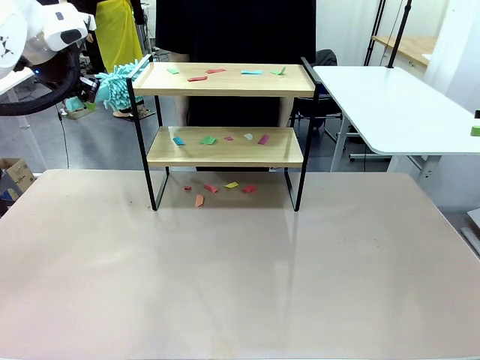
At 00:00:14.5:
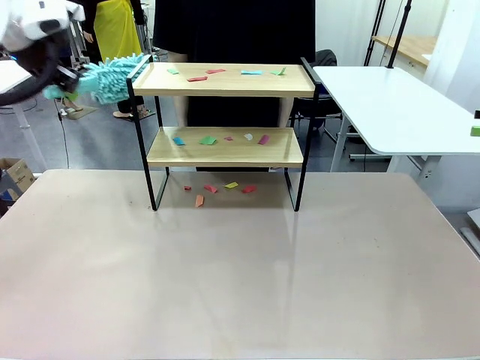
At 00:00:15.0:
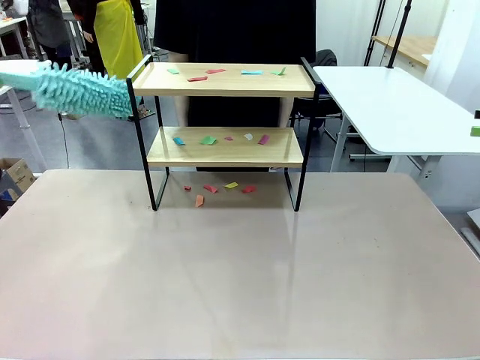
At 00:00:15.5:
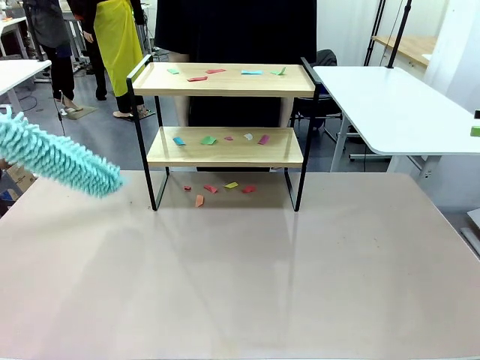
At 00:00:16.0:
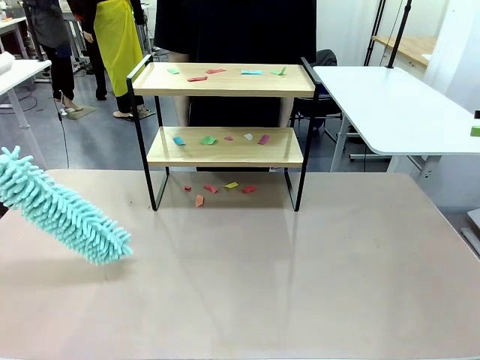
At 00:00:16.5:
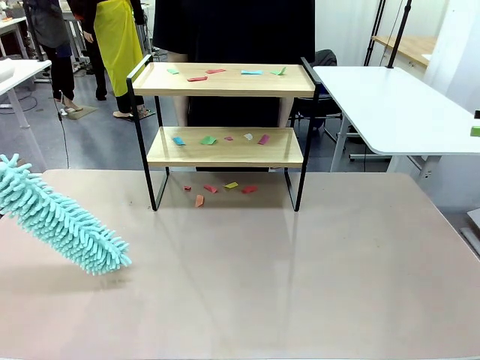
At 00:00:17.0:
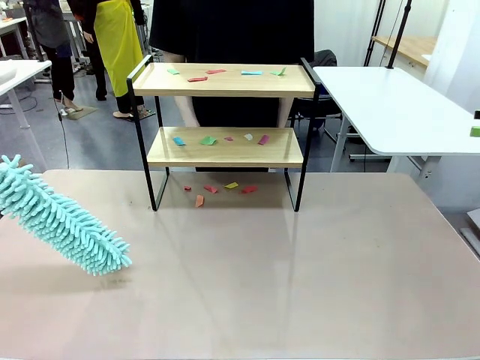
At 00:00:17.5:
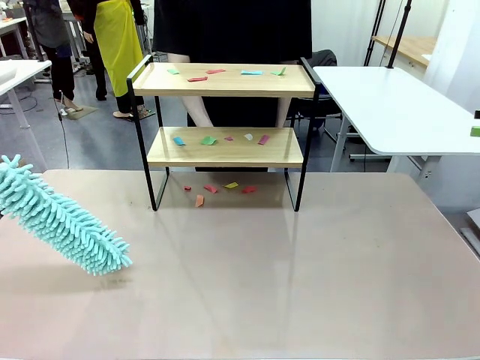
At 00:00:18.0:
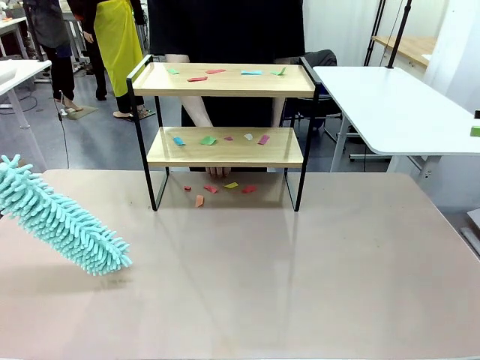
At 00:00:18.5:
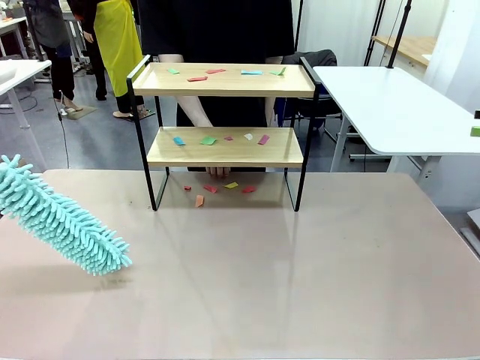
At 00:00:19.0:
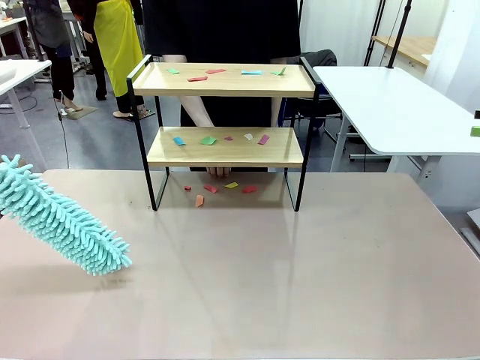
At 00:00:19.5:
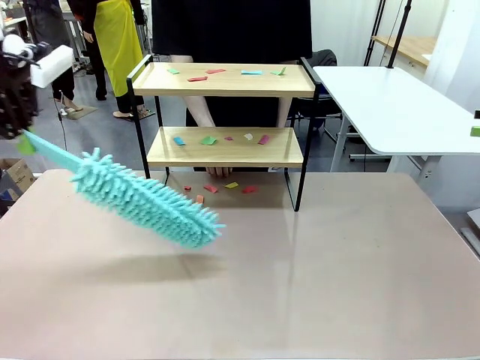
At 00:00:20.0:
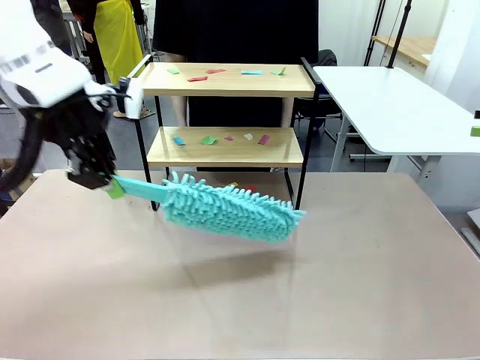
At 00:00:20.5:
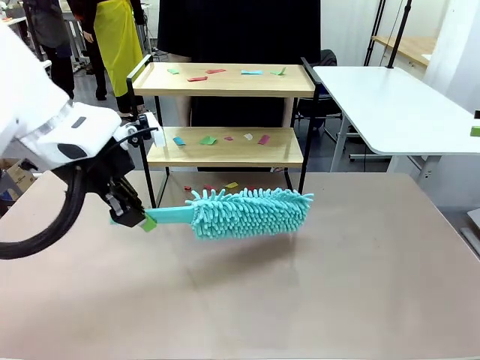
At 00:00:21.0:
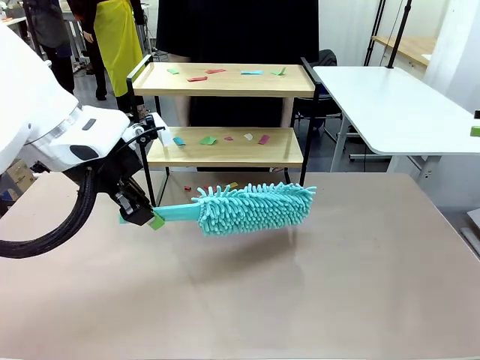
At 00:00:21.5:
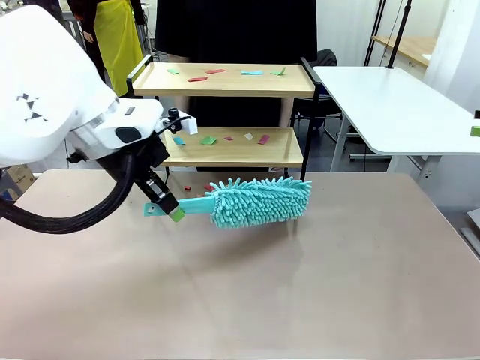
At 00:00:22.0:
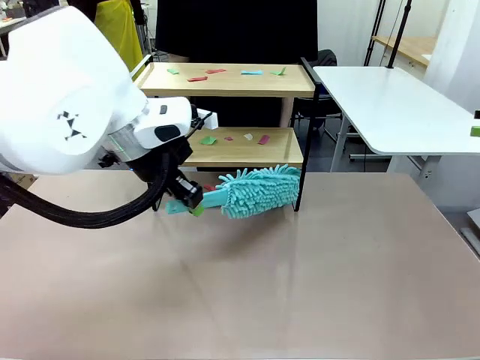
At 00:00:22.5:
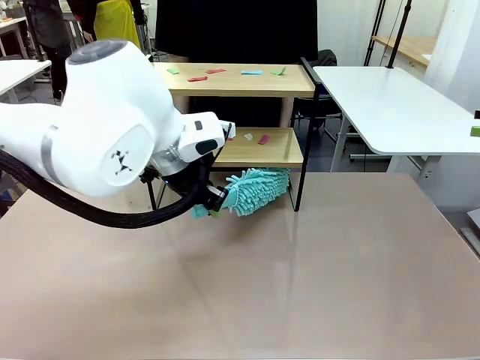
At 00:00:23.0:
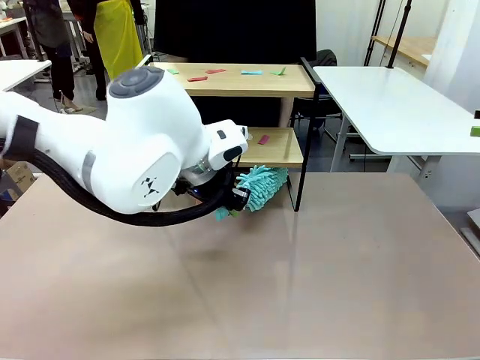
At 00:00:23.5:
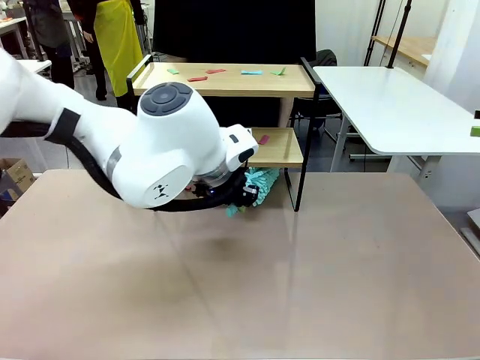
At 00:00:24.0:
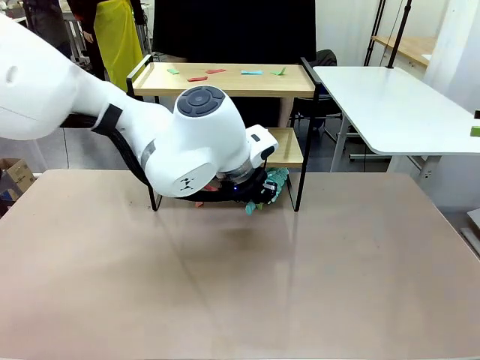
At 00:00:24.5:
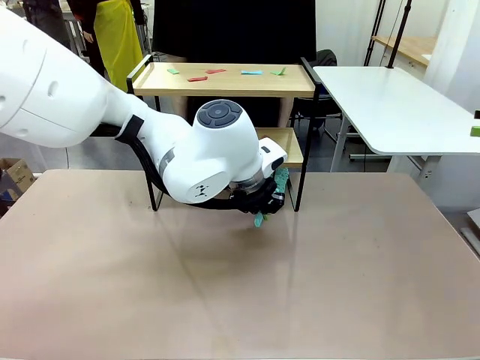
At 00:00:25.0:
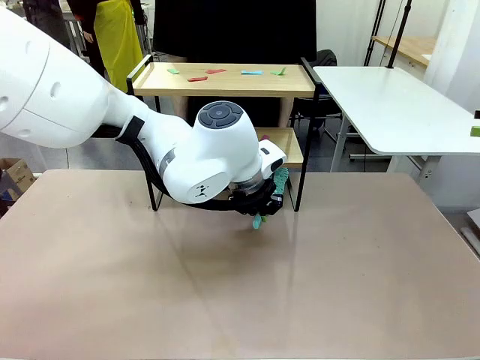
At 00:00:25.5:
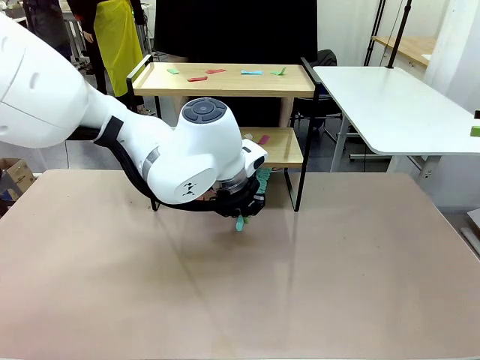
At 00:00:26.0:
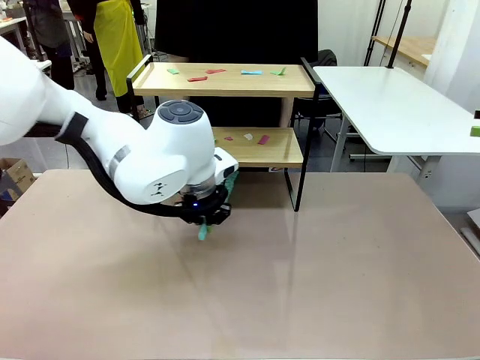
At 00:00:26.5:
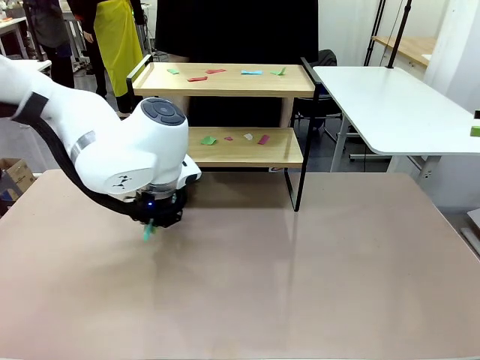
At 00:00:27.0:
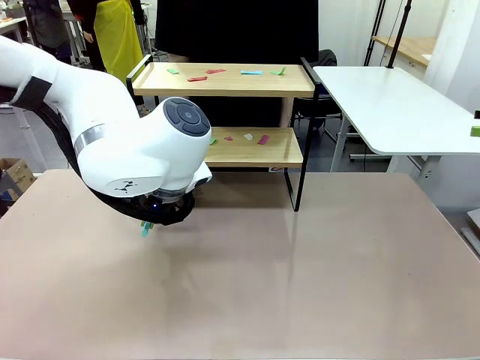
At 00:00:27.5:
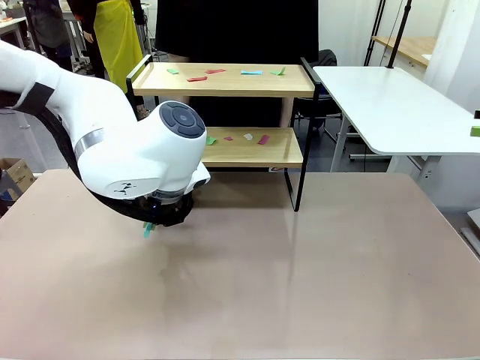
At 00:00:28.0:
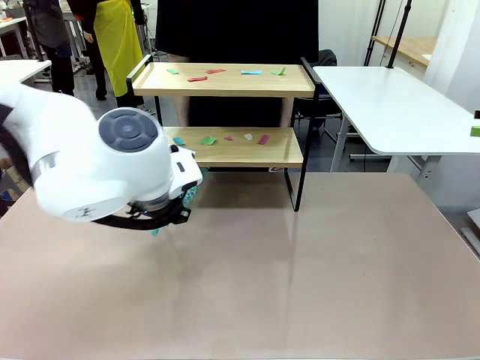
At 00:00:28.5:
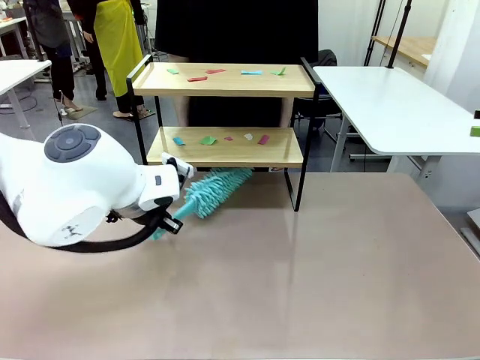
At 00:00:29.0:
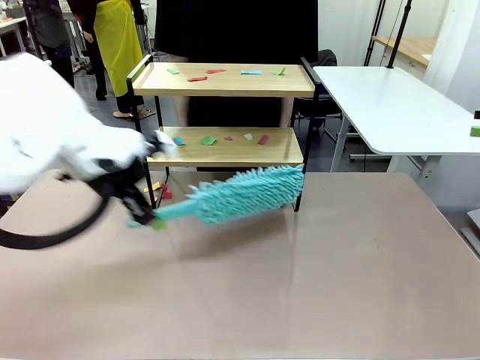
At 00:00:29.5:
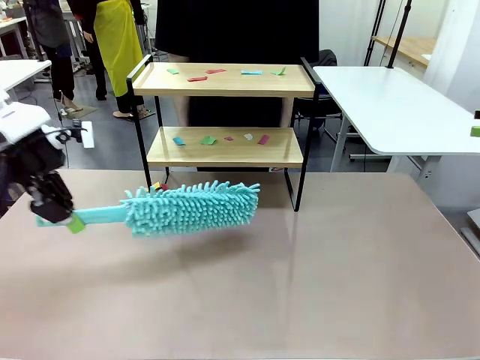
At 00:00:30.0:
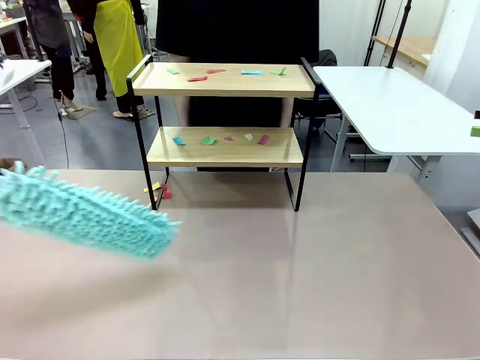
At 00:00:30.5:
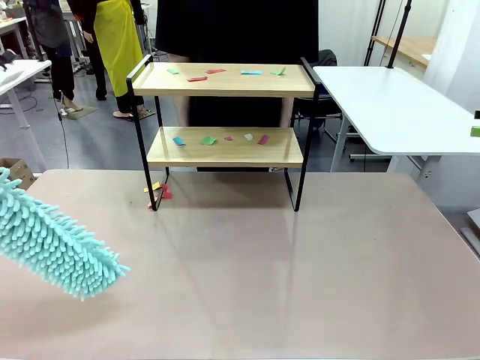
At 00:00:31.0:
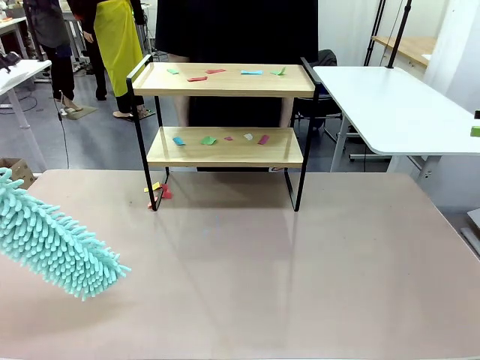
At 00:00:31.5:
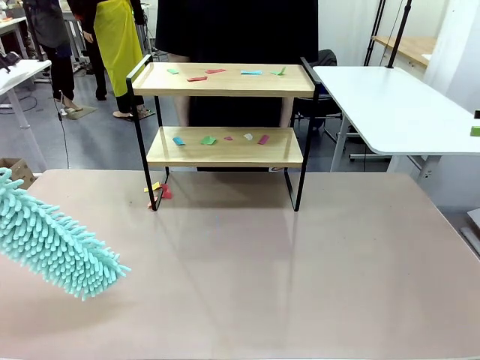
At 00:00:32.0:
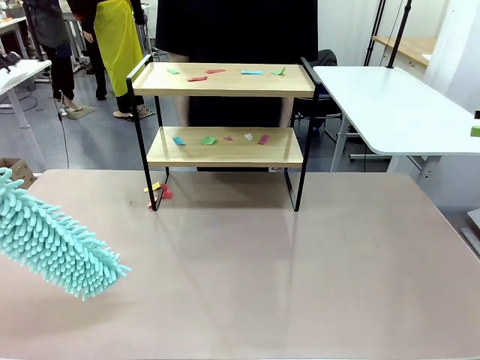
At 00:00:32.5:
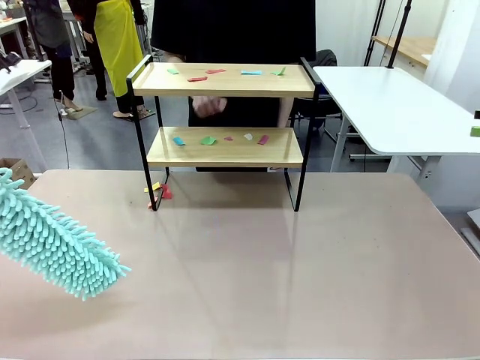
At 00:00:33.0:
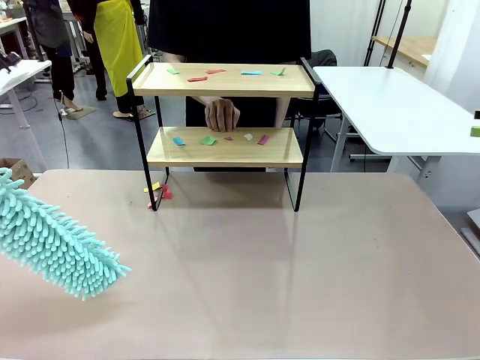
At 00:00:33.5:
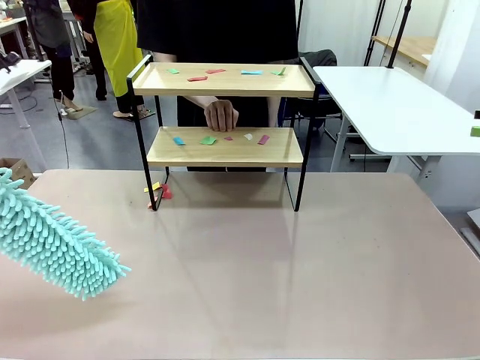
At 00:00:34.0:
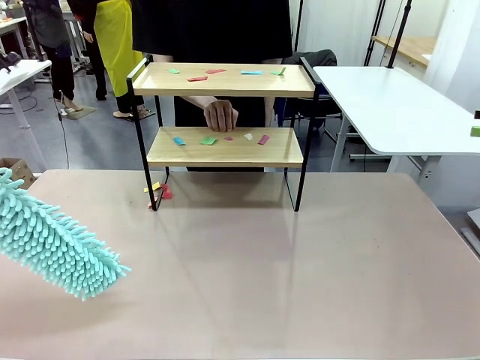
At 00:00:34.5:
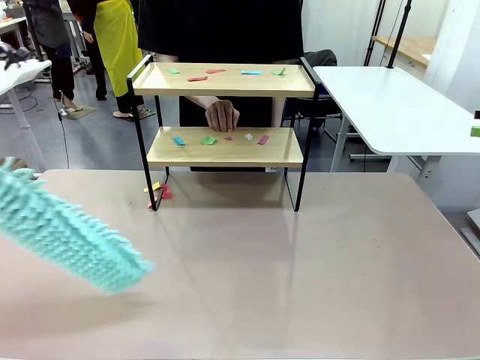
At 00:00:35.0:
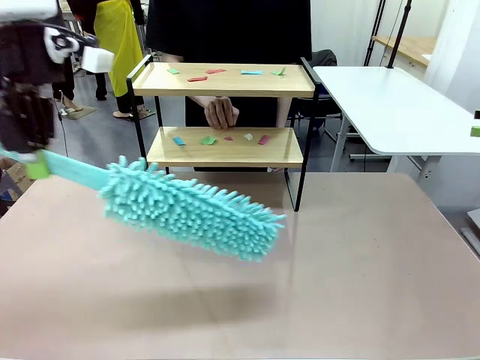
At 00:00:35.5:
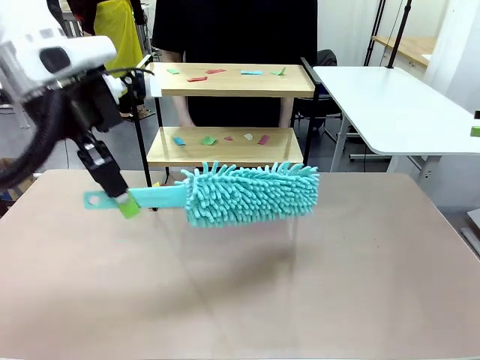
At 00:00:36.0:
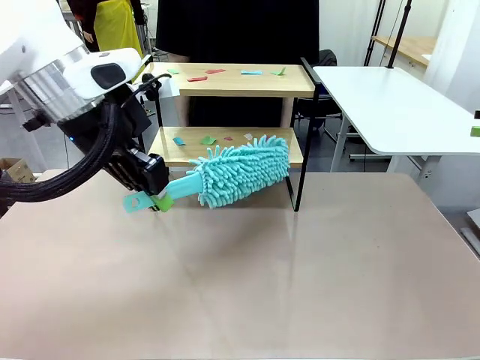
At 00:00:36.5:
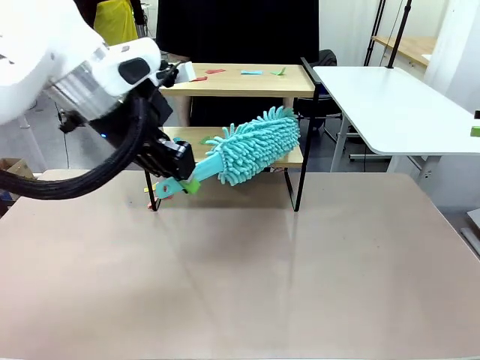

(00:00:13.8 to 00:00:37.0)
Task: Clean the shelf.
Robot: Clean the specific section of the Shelf indicated by the human with the Duster.
Person: Point a random section of the Shelf.
